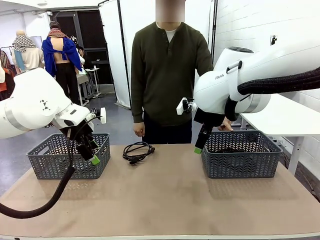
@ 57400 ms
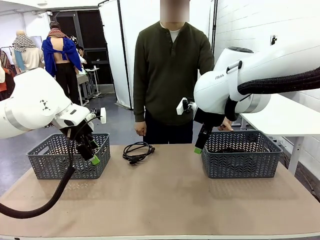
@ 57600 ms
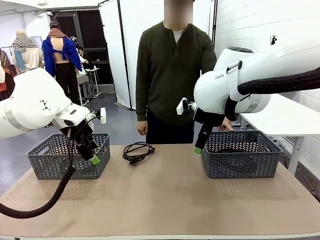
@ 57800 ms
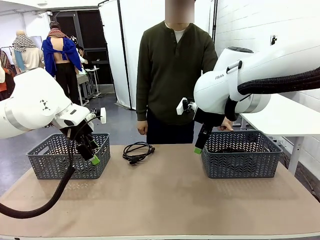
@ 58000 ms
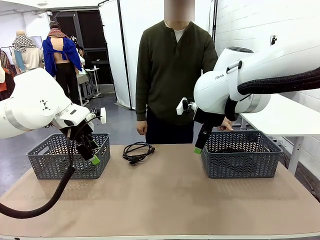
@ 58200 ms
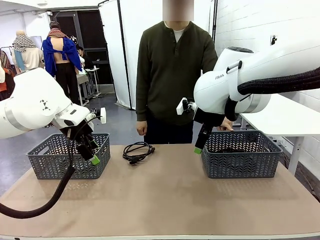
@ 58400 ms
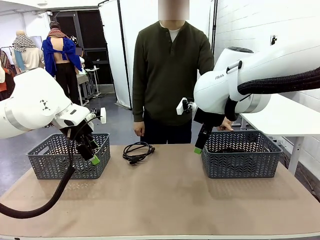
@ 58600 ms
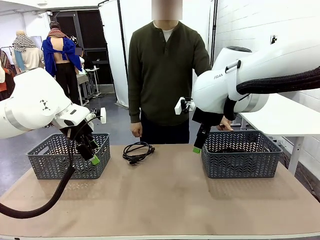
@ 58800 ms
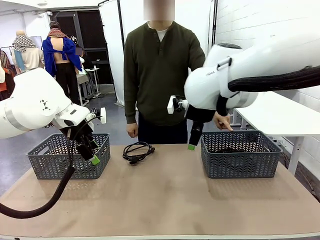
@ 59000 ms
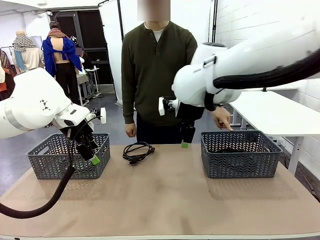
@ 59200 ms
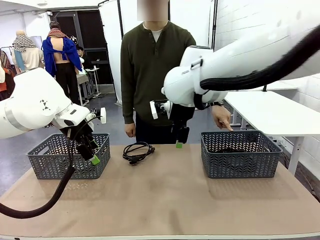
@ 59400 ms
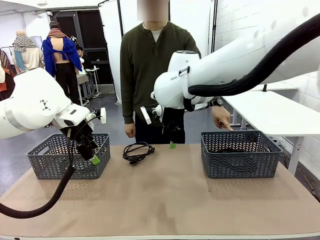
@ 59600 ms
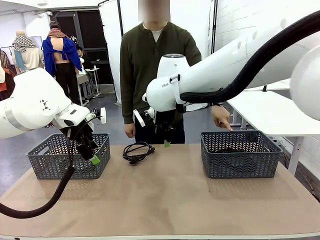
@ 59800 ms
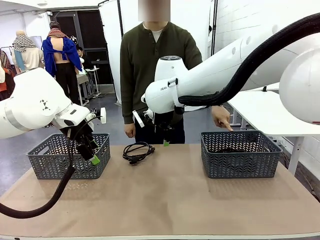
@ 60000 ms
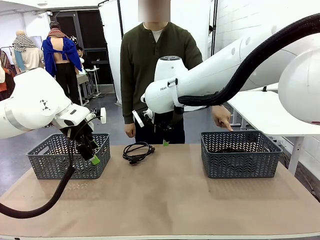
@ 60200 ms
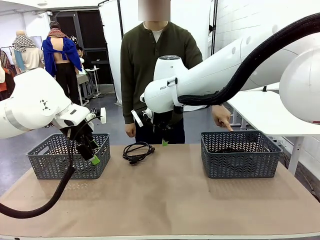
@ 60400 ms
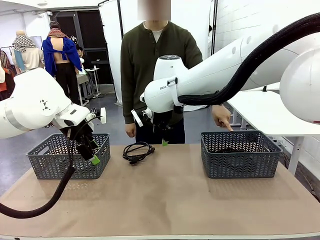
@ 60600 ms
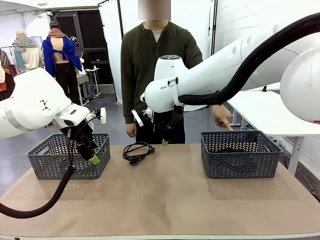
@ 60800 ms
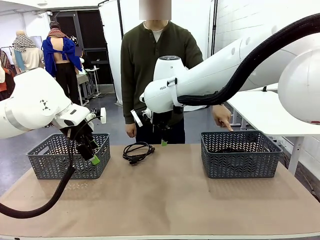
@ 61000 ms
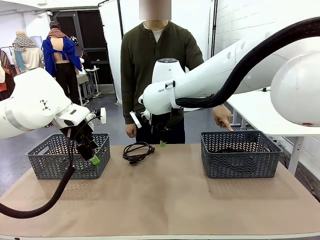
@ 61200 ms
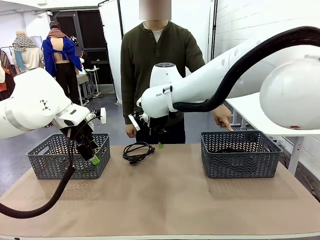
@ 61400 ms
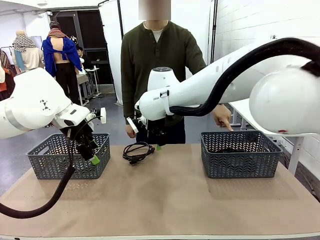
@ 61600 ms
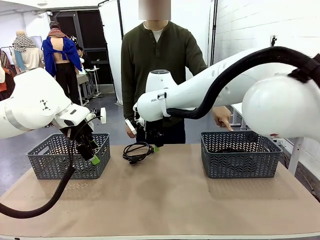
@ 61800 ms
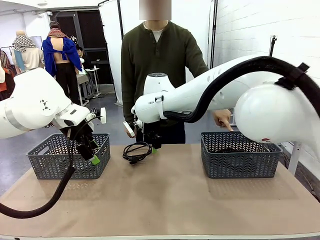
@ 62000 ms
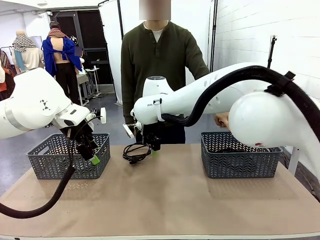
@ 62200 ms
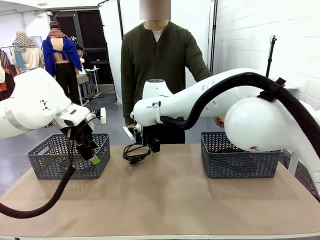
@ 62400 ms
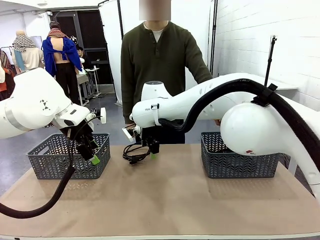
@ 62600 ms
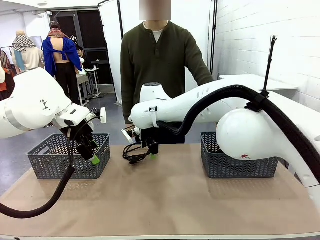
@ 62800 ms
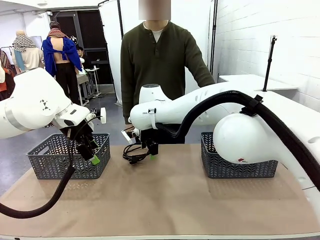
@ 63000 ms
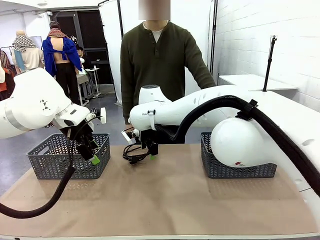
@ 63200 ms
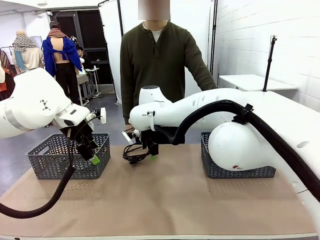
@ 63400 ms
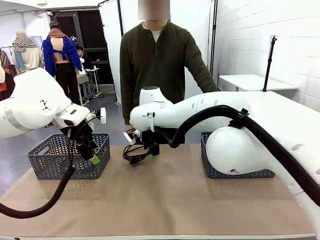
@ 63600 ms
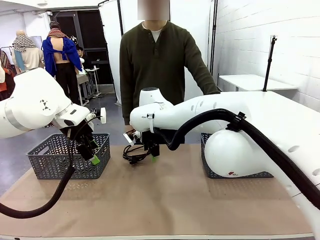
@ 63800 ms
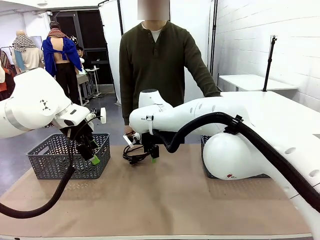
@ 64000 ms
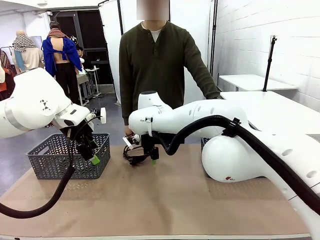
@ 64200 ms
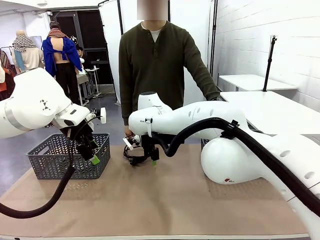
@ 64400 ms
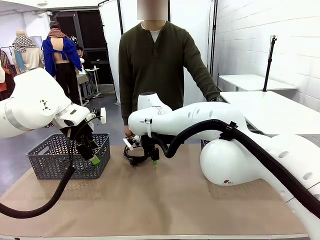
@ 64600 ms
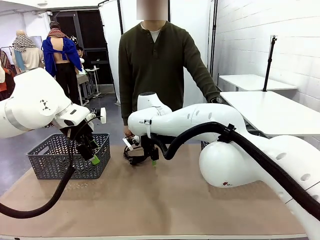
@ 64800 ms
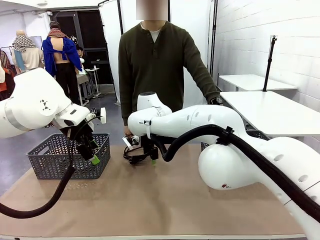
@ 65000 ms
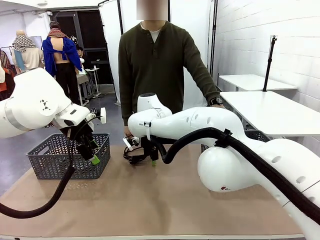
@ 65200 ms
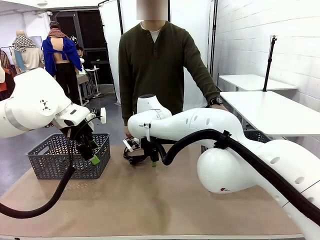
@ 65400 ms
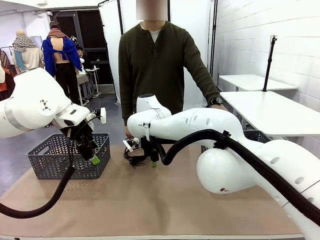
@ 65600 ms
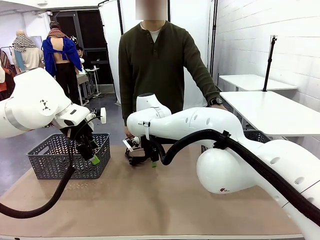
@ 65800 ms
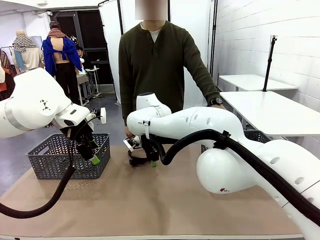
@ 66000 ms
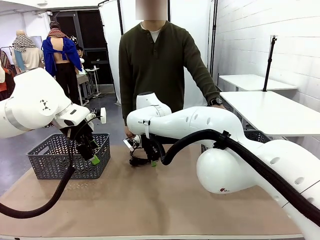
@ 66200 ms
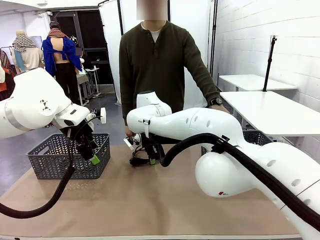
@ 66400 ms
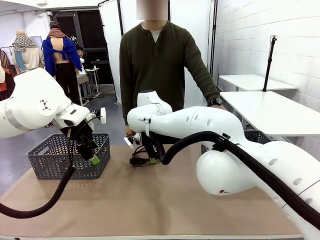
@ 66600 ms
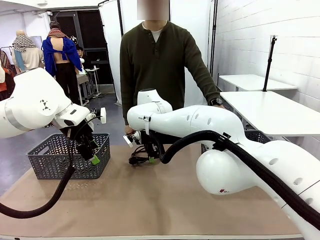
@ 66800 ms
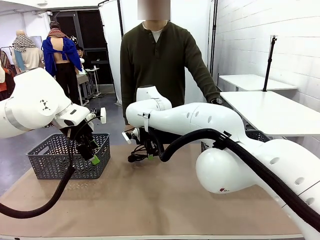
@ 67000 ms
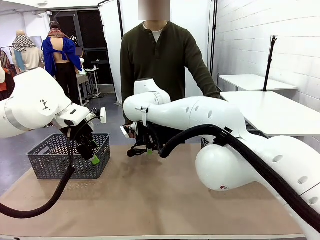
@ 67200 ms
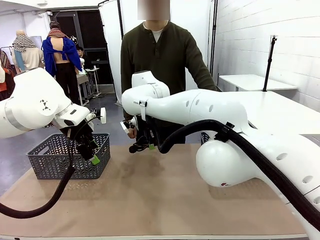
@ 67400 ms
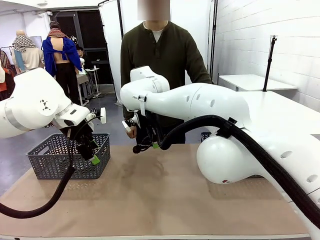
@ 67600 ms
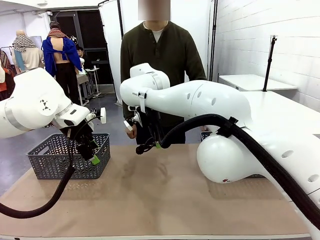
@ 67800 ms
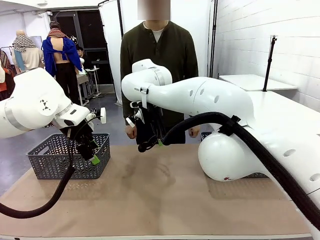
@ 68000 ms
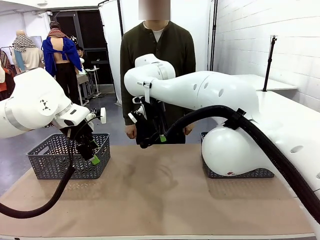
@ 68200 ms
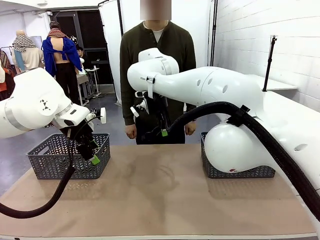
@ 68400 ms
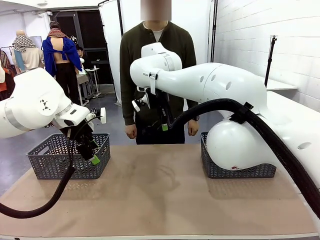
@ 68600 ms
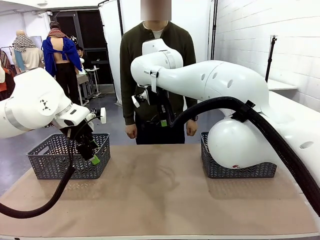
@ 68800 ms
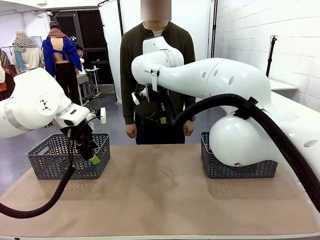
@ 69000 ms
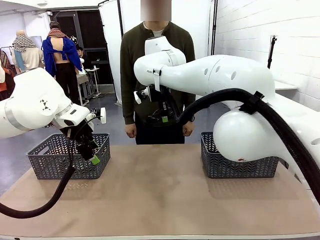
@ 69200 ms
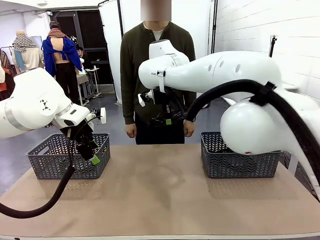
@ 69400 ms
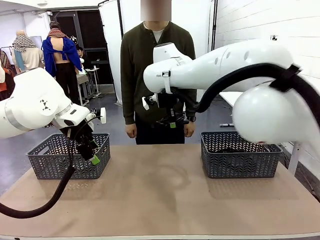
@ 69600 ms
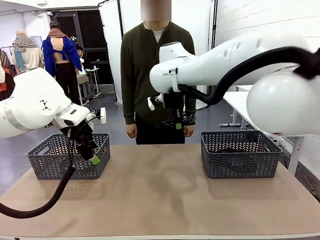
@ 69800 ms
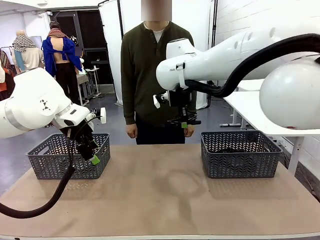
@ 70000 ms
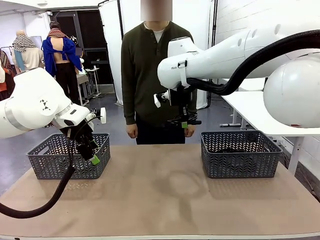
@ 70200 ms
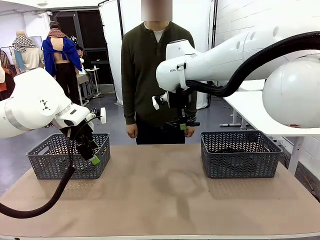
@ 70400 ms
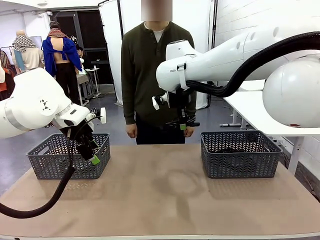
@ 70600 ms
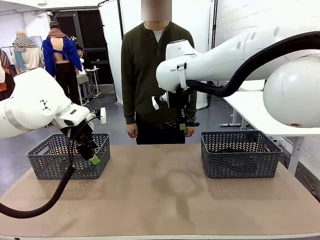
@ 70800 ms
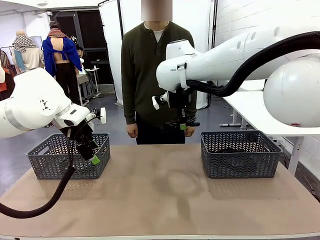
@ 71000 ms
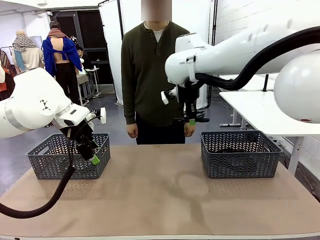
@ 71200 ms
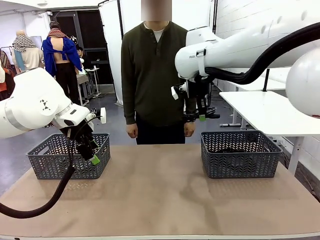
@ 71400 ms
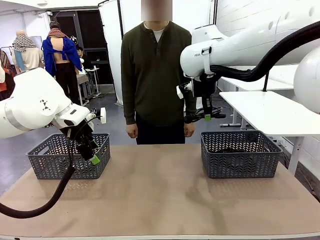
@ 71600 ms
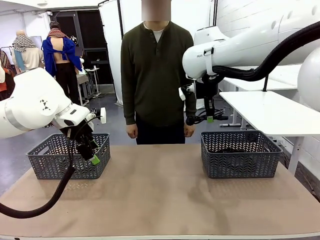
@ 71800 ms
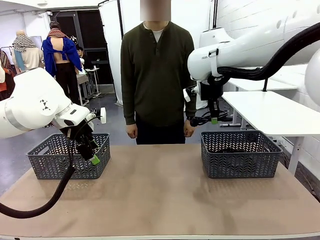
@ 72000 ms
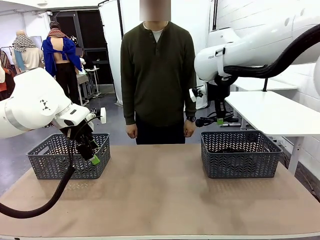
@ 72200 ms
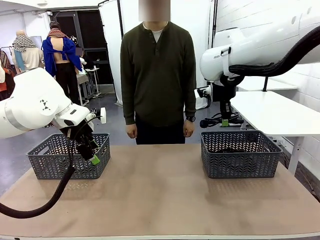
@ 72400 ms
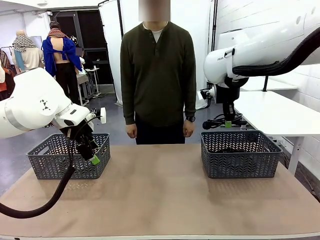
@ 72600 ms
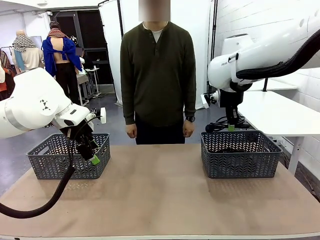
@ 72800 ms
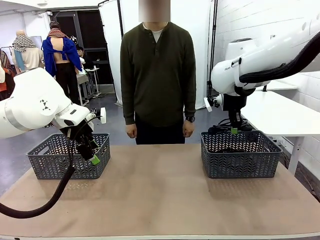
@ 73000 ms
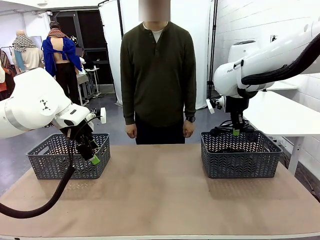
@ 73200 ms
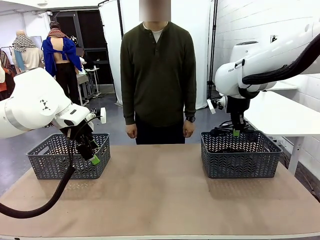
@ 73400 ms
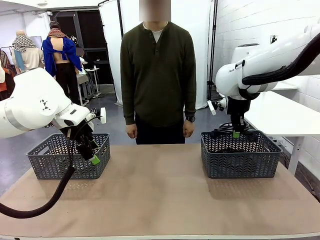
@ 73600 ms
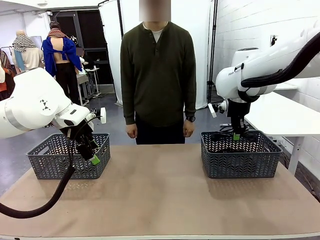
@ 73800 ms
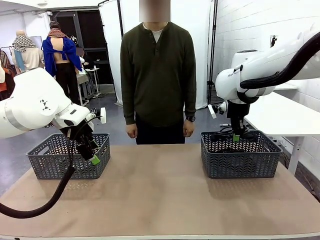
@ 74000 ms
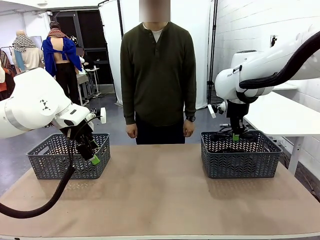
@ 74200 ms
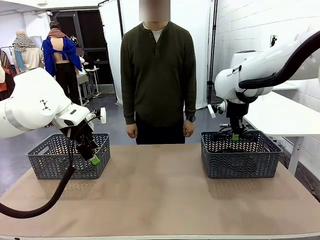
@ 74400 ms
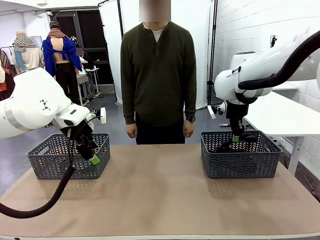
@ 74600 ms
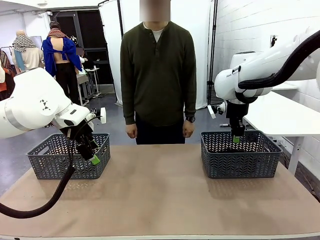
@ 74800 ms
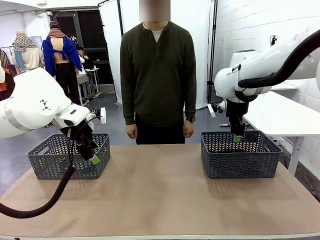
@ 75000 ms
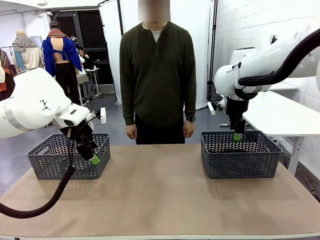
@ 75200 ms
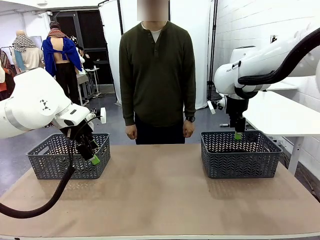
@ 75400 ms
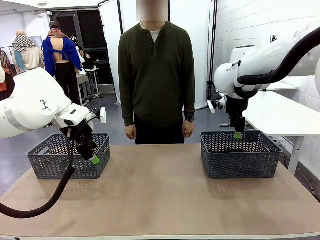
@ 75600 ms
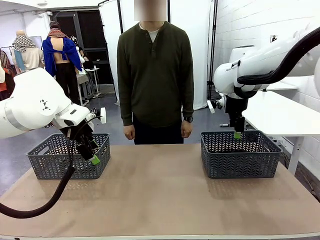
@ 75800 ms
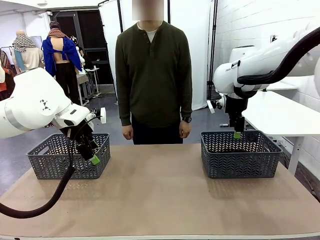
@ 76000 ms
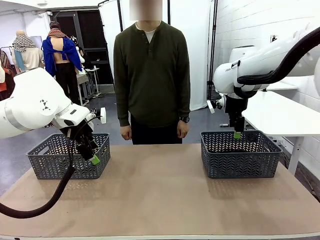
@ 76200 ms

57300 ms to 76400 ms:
Task: Organize the cables according to human instructions.
Robot: Pick up a bundle of cables and place it in the basket indicated by the human.
